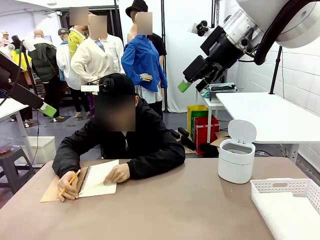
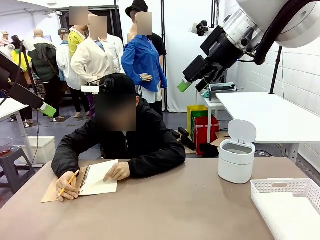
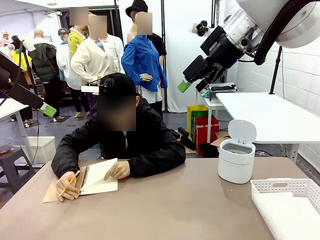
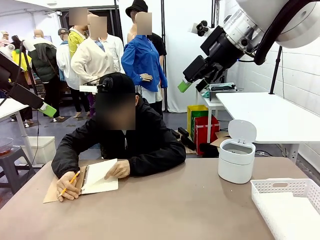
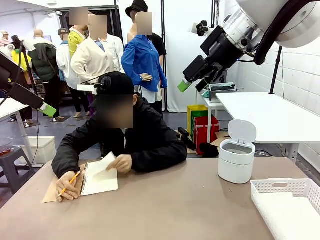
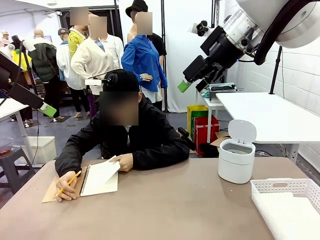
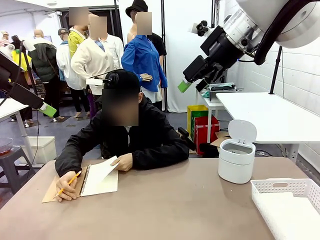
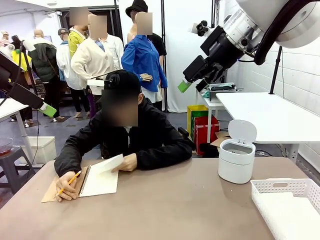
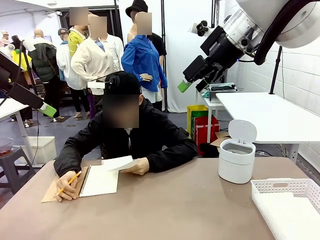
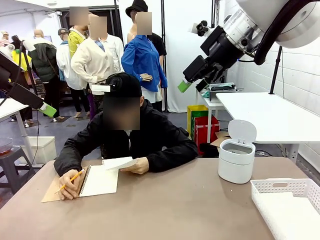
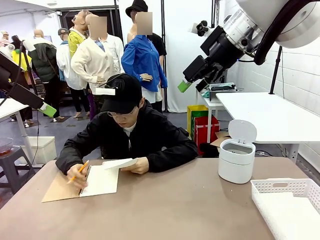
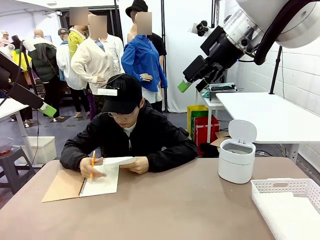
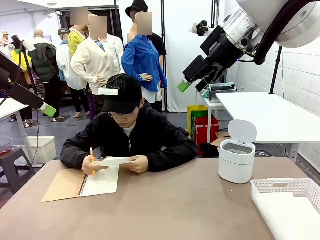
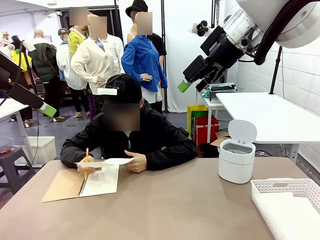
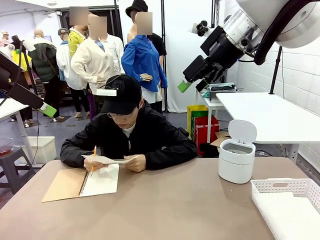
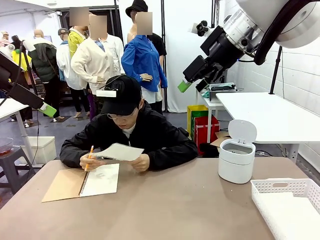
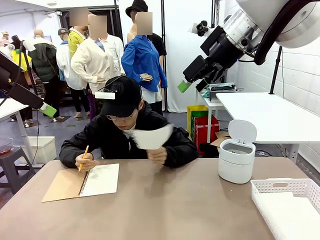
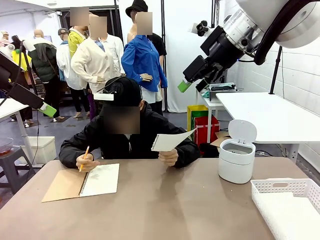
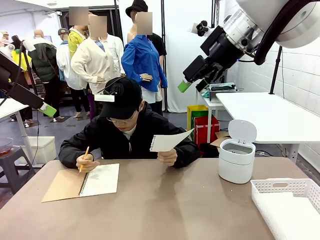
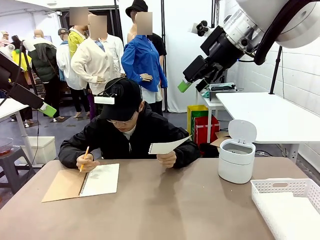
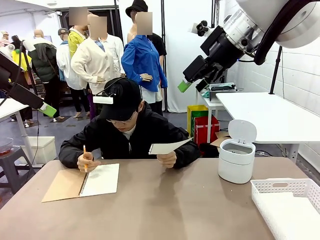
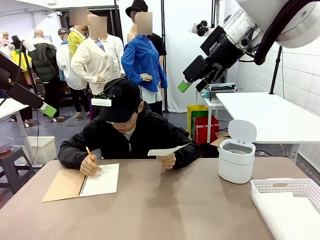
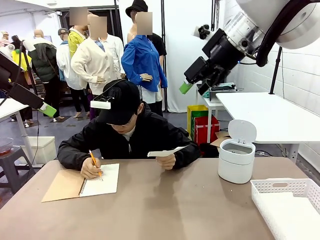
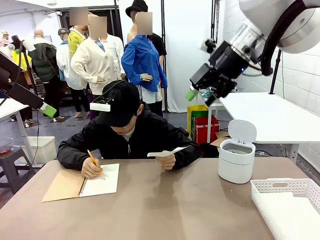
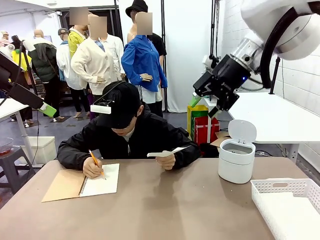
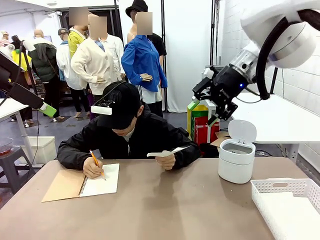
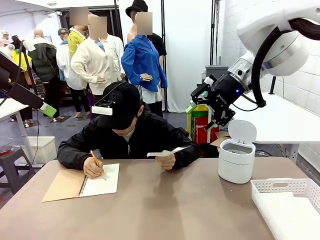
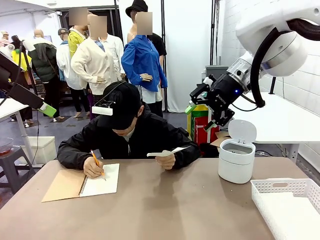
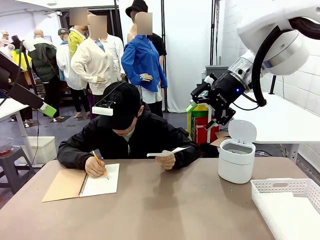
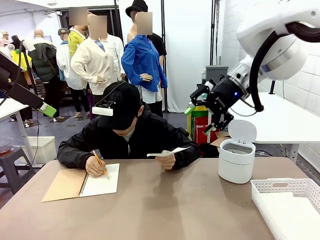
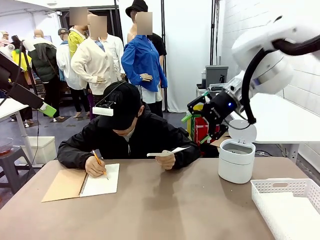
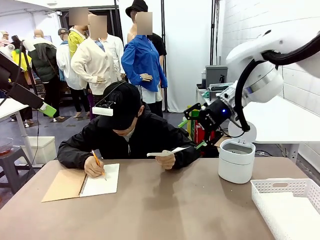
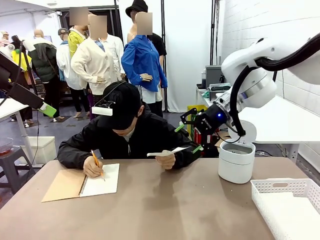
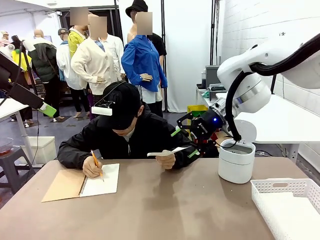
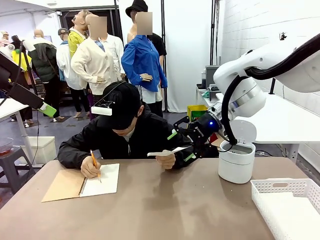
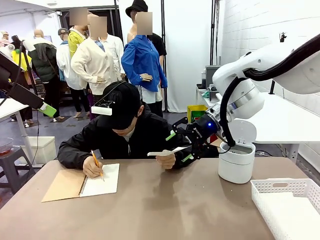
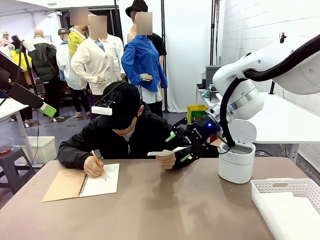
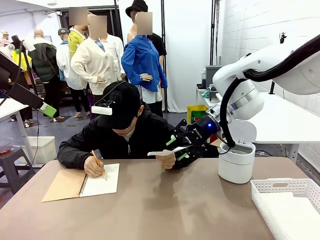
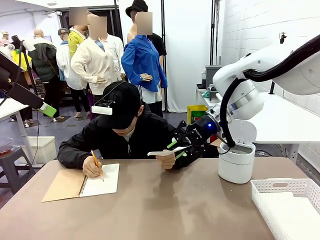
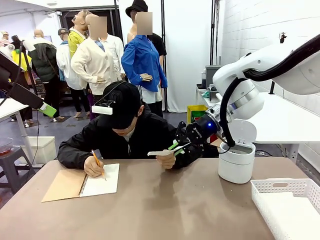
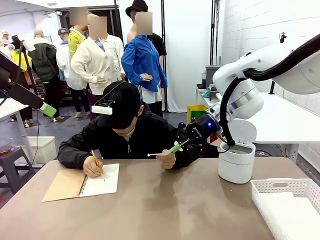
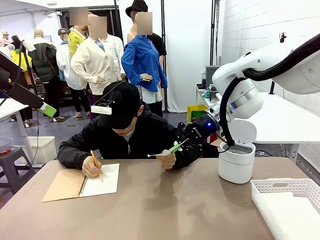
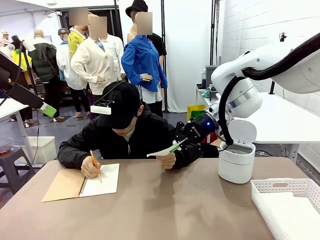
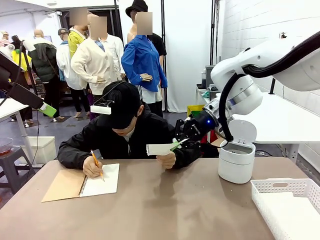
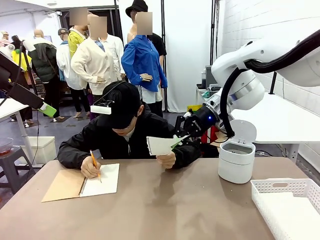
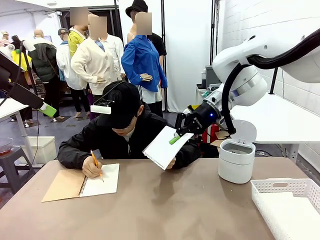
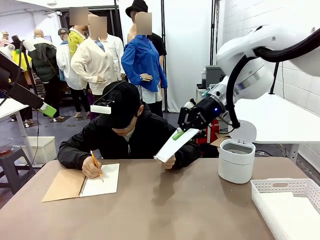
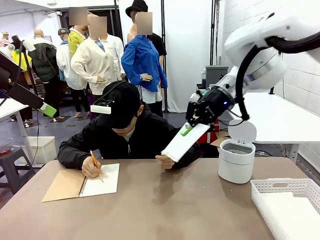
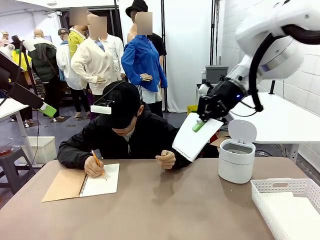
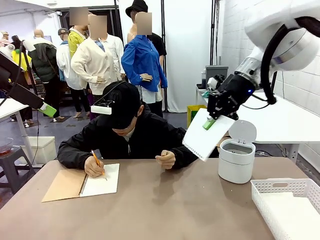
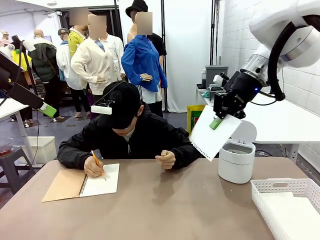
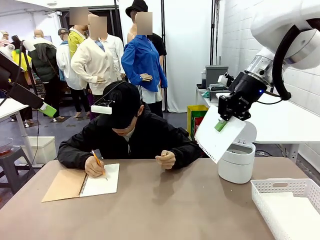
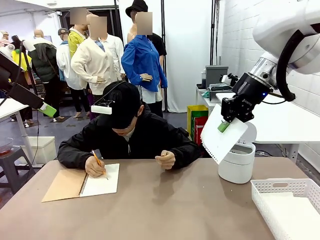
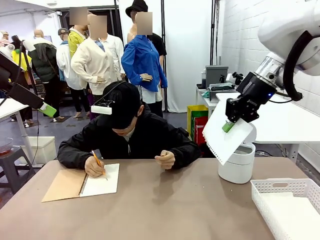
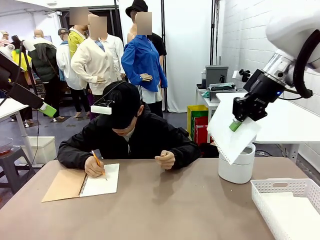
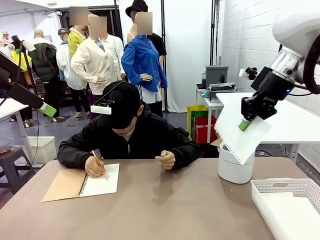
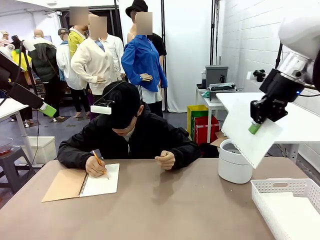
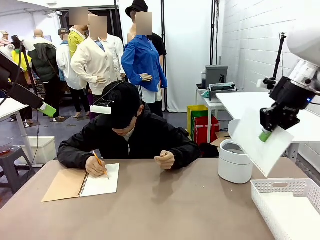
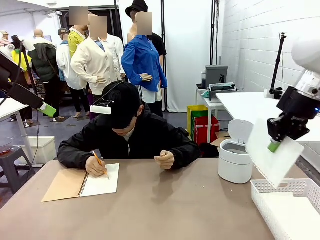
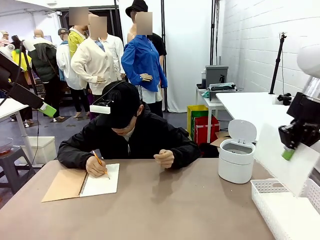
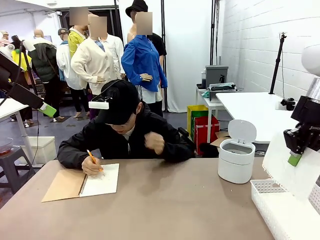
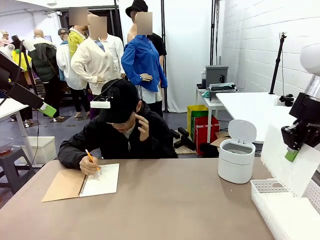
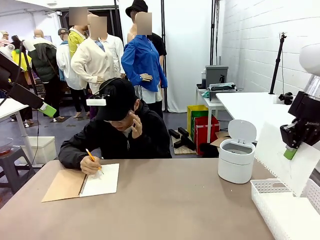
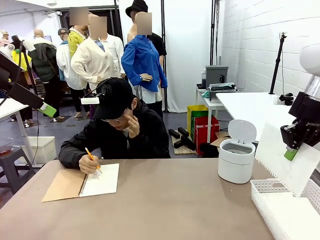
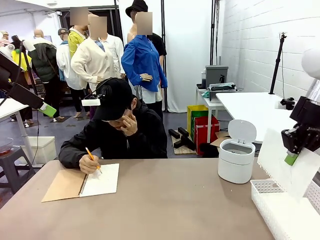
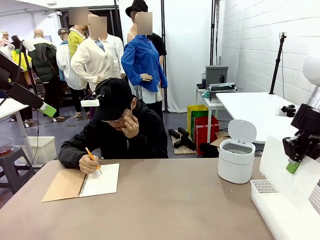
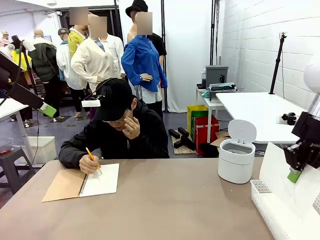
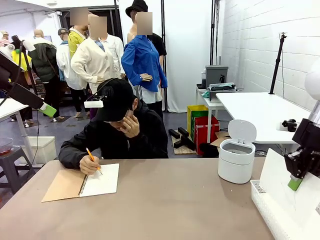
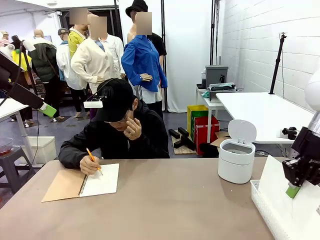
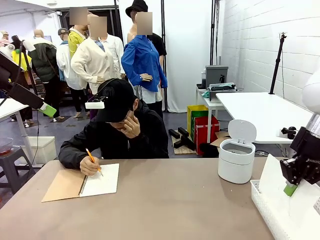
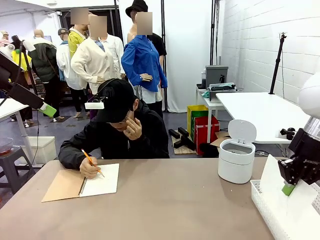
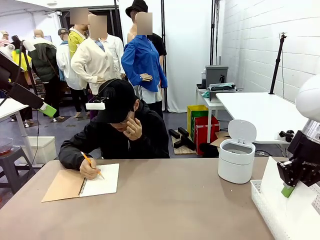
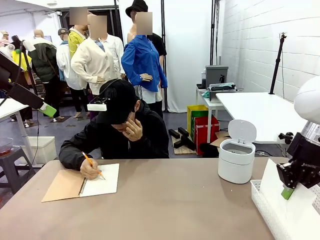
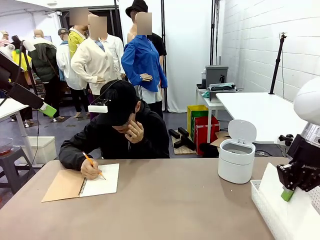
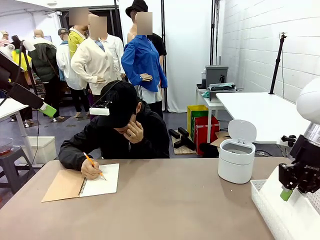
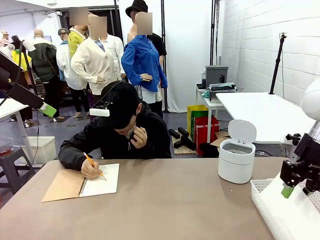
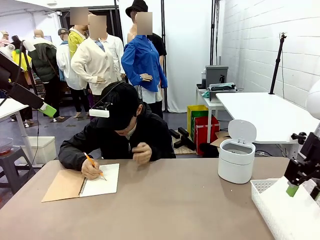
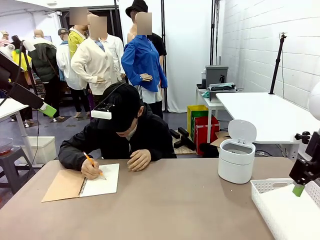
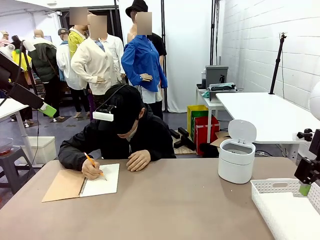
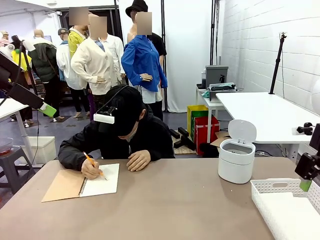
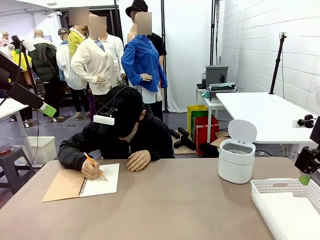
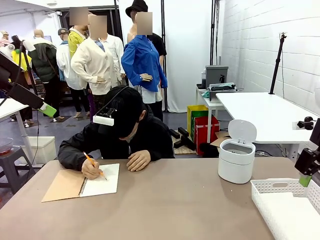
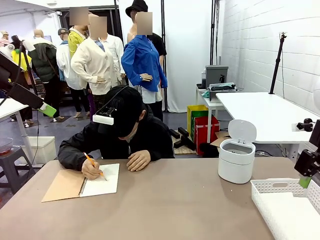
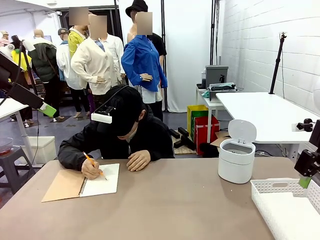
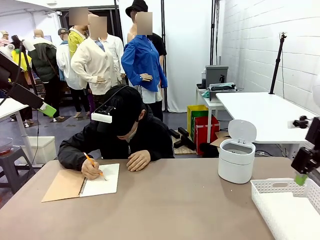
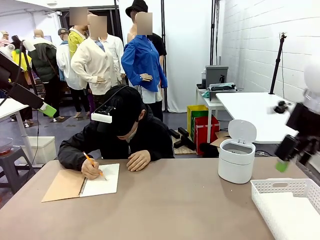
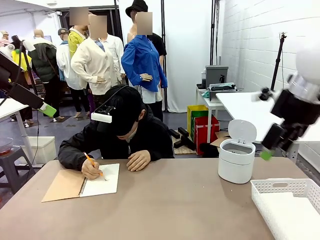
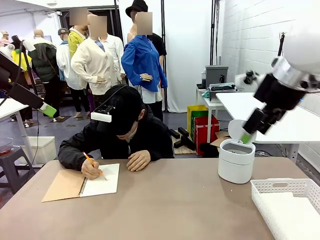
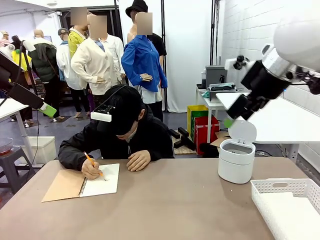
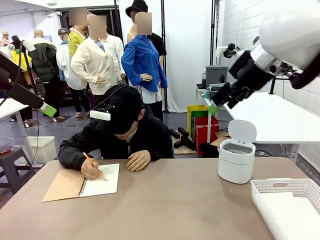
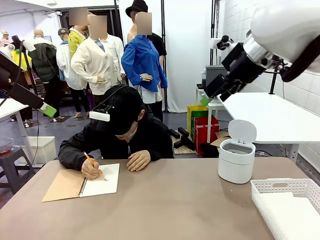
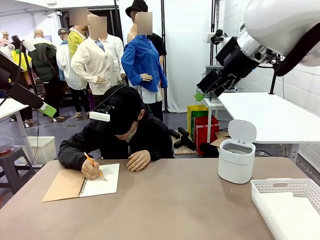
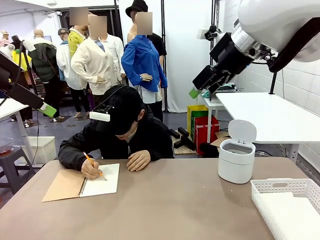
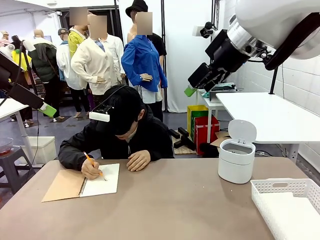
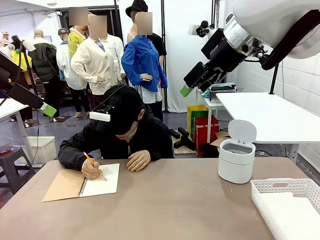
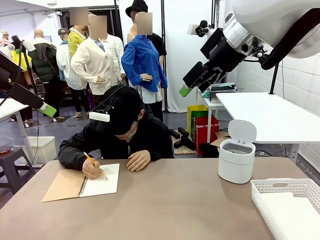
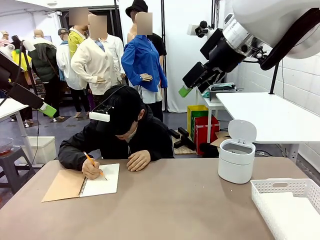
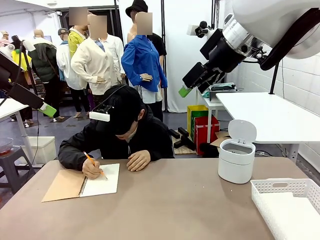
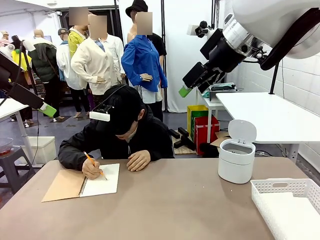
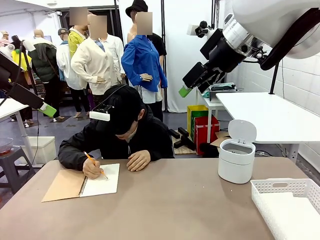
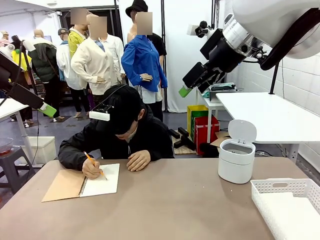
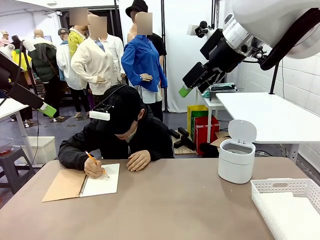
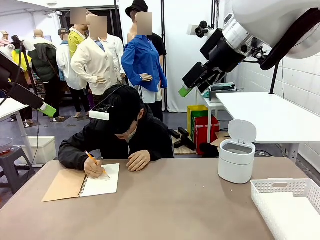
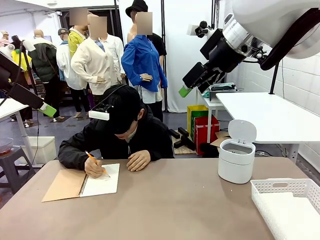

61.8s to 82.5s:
Task: Sort the paper based on its condition.
Robot: If a person hands you a paper, place it in the Organizing basket , and if it's crumpled, put it in the Trash can.
Person: Hand the torn page to the robot or crumple it and throw it to the center of the table.
